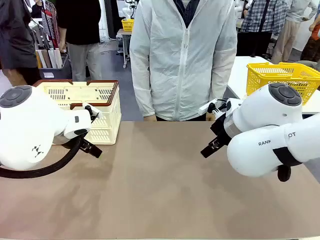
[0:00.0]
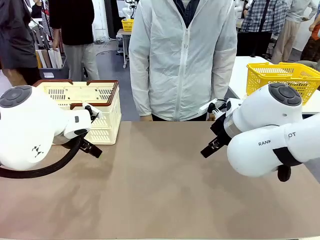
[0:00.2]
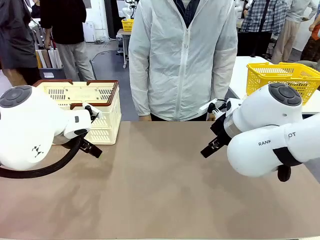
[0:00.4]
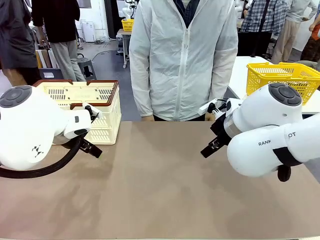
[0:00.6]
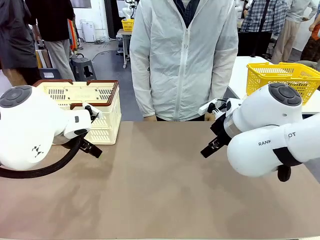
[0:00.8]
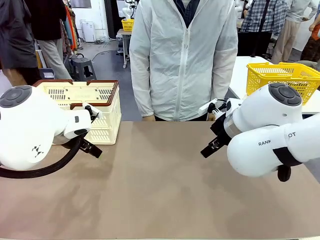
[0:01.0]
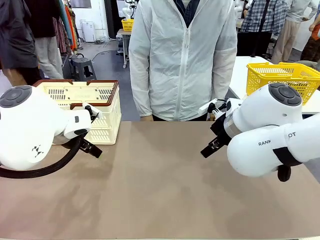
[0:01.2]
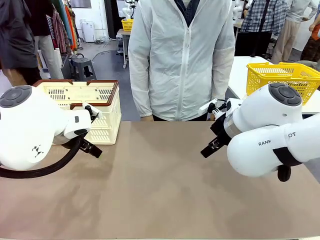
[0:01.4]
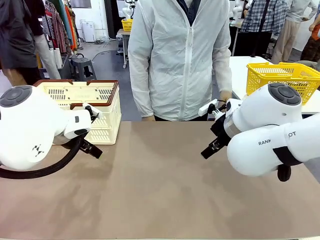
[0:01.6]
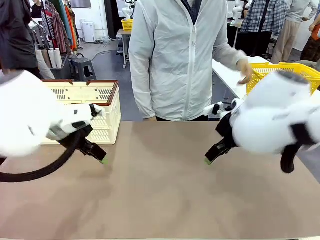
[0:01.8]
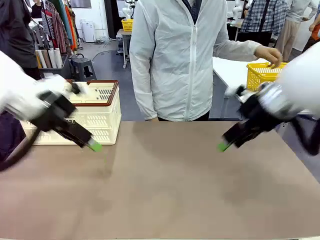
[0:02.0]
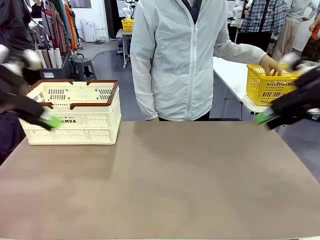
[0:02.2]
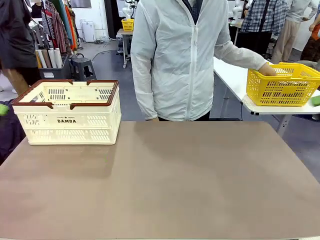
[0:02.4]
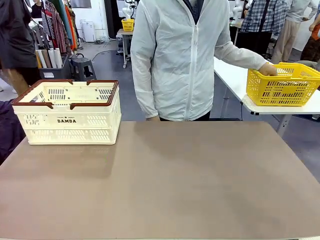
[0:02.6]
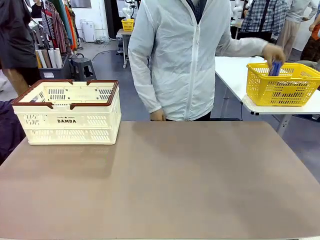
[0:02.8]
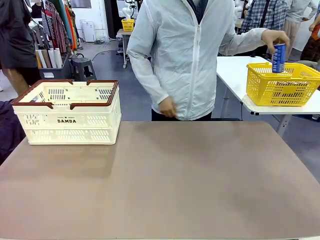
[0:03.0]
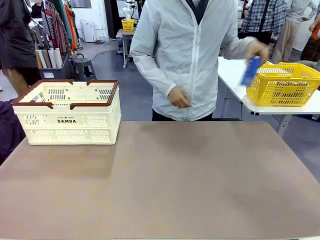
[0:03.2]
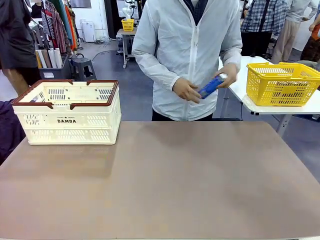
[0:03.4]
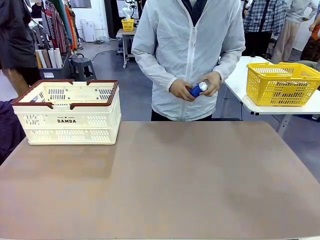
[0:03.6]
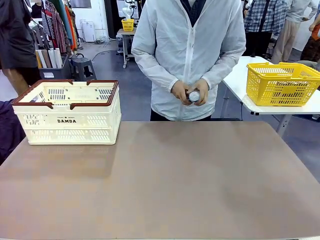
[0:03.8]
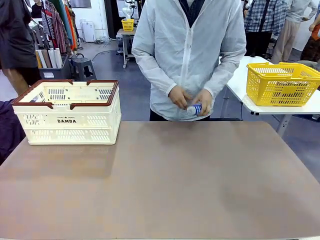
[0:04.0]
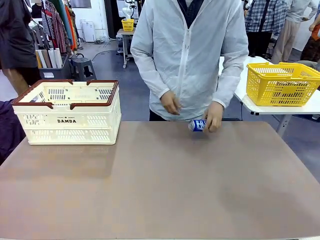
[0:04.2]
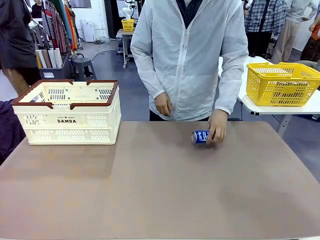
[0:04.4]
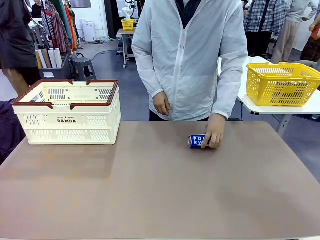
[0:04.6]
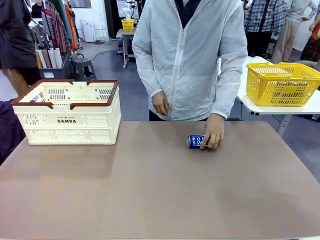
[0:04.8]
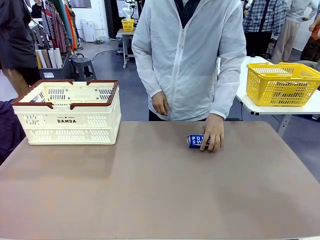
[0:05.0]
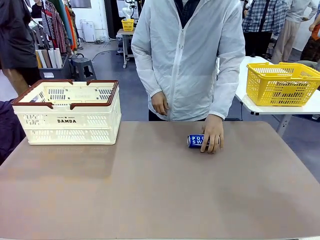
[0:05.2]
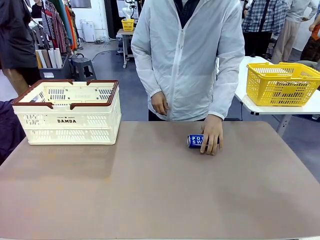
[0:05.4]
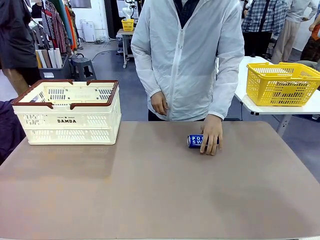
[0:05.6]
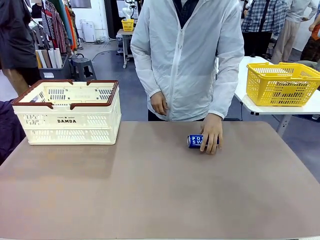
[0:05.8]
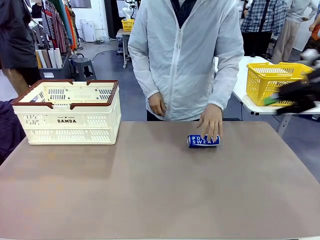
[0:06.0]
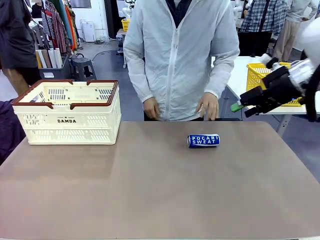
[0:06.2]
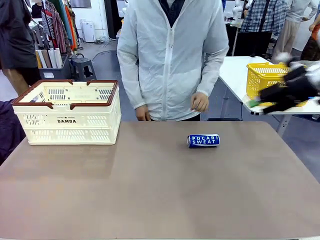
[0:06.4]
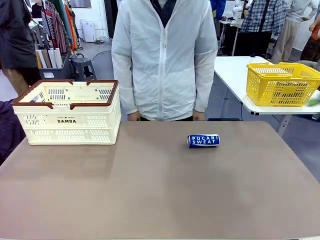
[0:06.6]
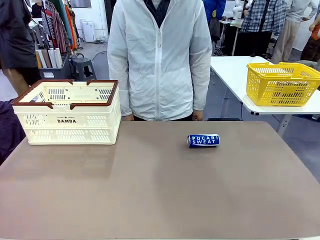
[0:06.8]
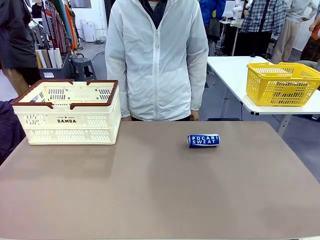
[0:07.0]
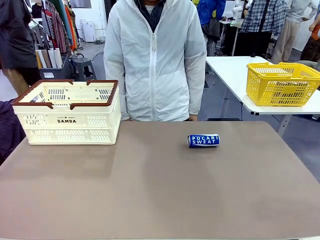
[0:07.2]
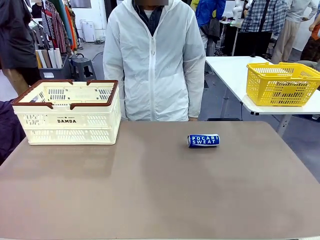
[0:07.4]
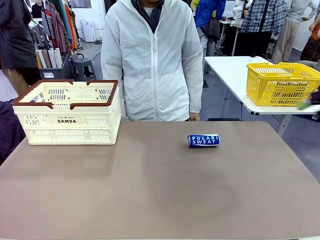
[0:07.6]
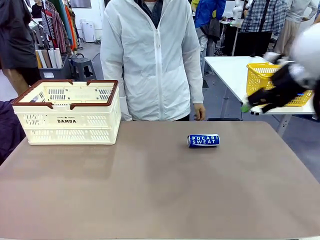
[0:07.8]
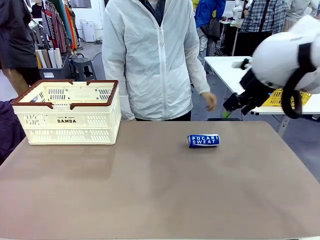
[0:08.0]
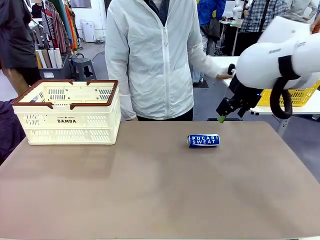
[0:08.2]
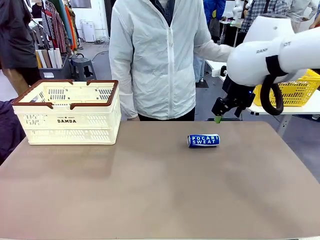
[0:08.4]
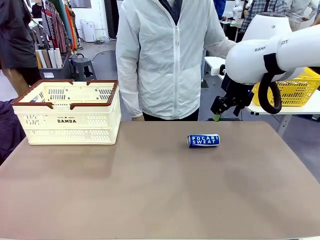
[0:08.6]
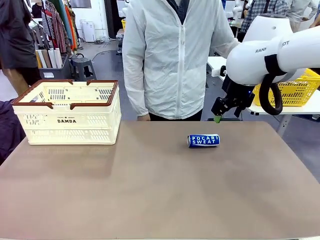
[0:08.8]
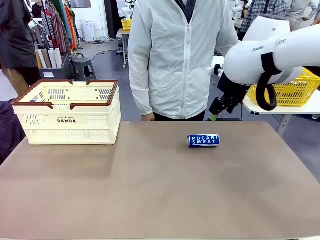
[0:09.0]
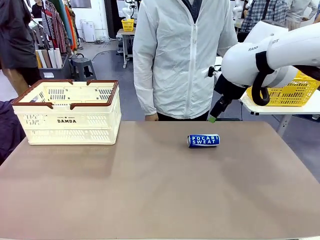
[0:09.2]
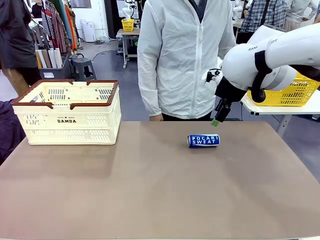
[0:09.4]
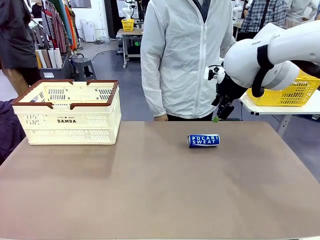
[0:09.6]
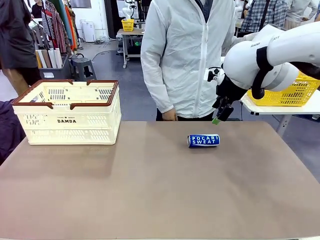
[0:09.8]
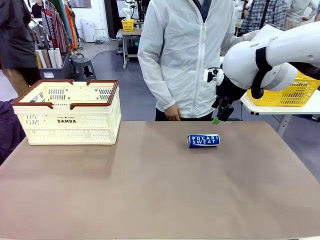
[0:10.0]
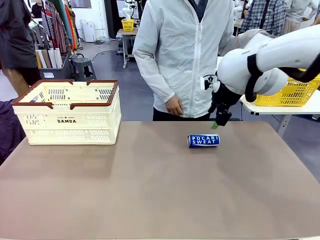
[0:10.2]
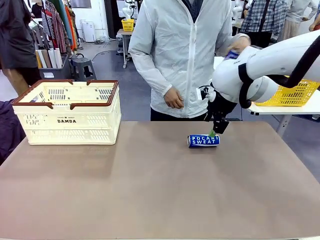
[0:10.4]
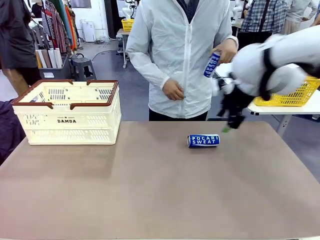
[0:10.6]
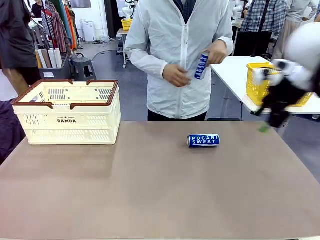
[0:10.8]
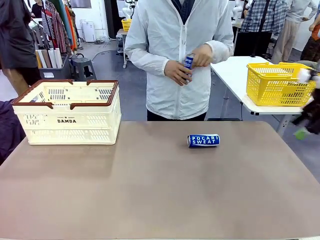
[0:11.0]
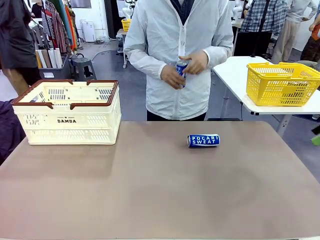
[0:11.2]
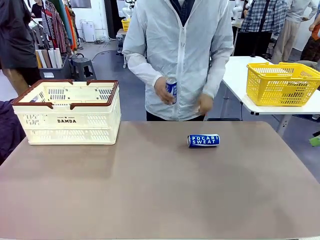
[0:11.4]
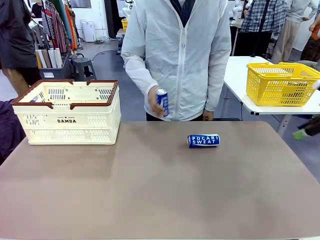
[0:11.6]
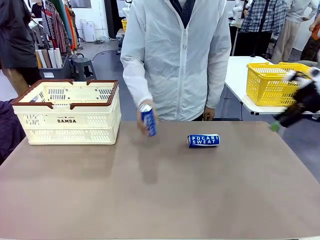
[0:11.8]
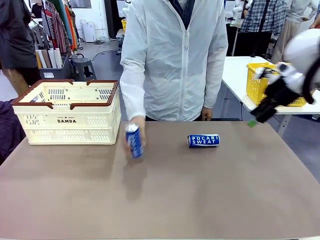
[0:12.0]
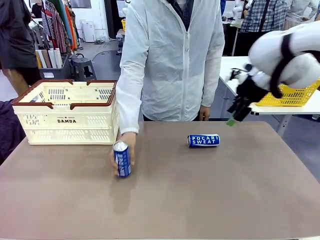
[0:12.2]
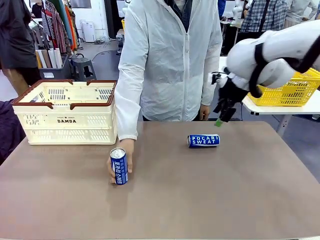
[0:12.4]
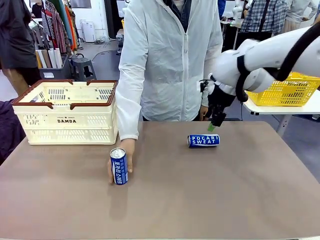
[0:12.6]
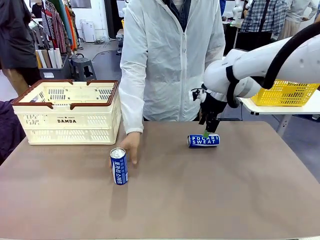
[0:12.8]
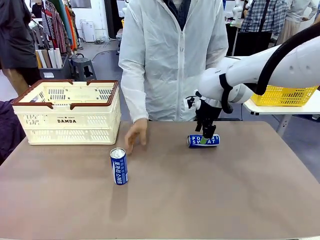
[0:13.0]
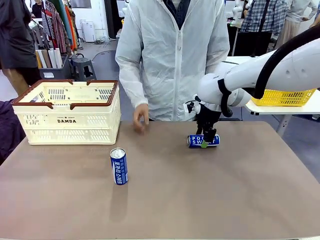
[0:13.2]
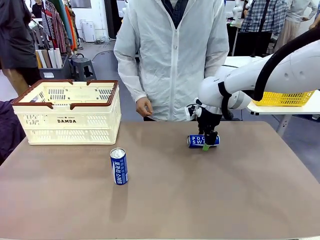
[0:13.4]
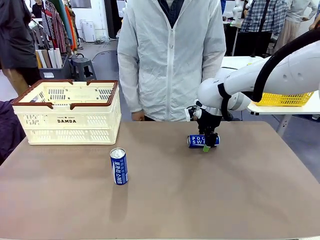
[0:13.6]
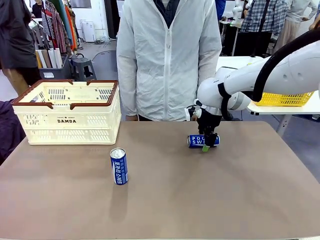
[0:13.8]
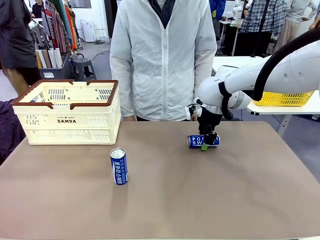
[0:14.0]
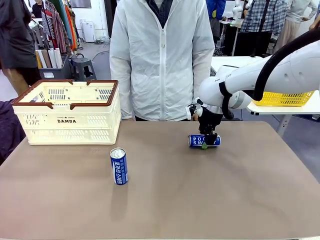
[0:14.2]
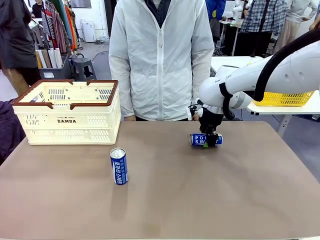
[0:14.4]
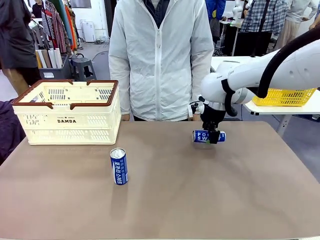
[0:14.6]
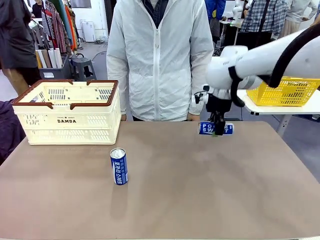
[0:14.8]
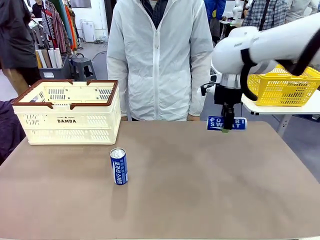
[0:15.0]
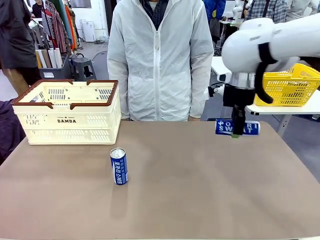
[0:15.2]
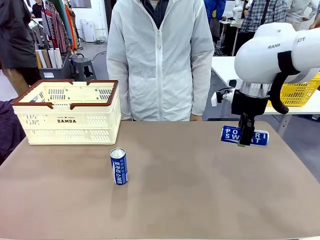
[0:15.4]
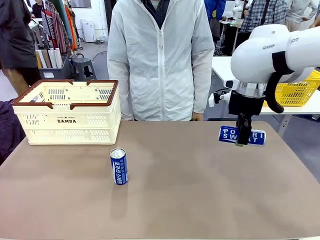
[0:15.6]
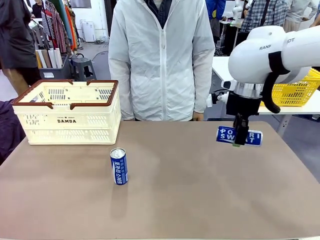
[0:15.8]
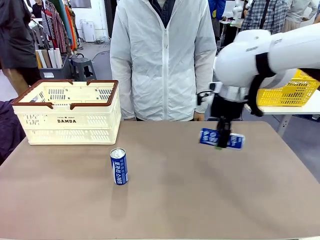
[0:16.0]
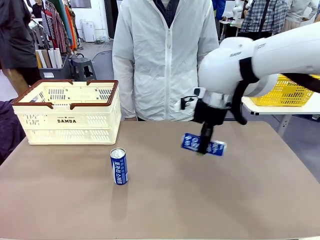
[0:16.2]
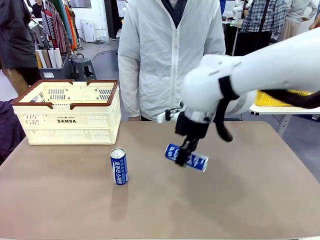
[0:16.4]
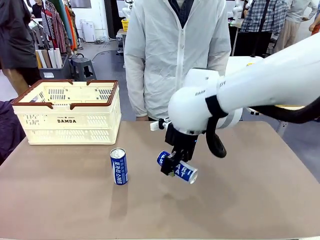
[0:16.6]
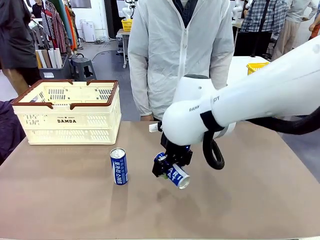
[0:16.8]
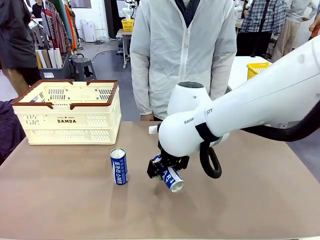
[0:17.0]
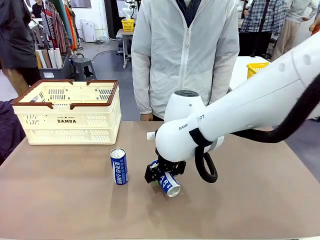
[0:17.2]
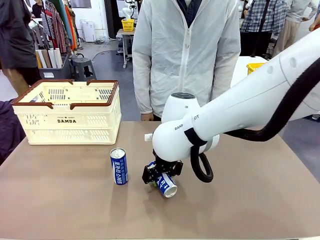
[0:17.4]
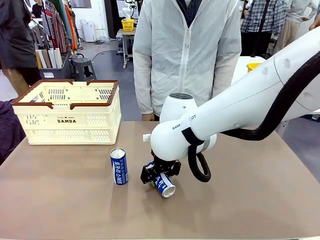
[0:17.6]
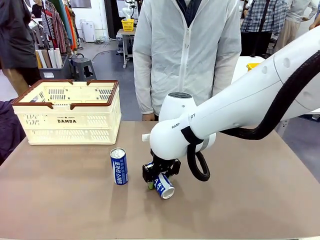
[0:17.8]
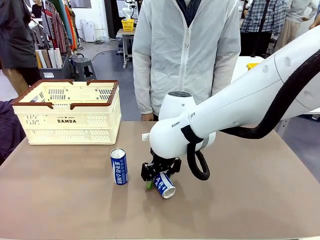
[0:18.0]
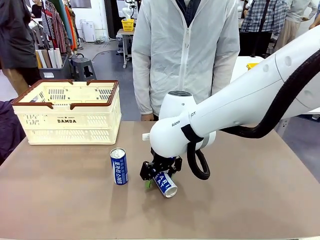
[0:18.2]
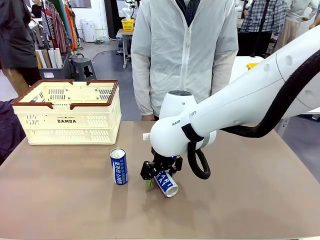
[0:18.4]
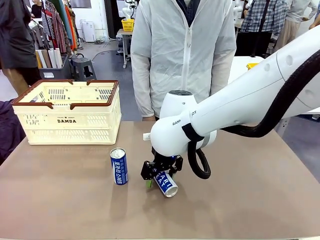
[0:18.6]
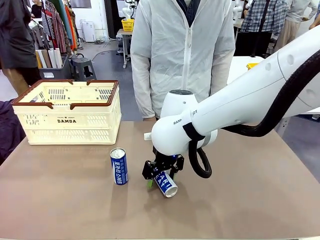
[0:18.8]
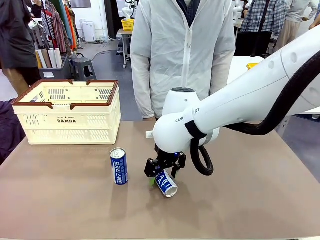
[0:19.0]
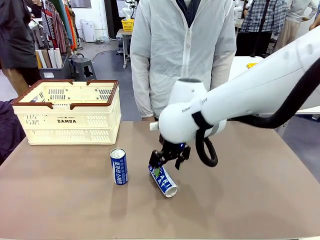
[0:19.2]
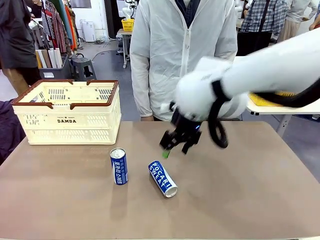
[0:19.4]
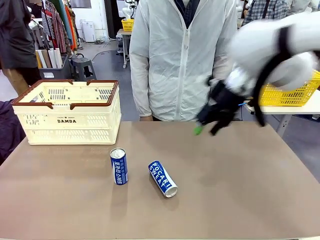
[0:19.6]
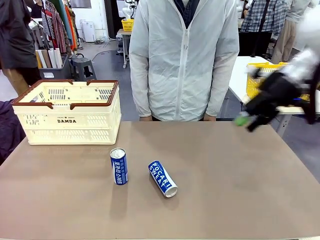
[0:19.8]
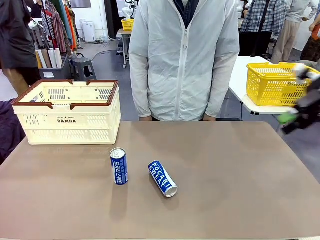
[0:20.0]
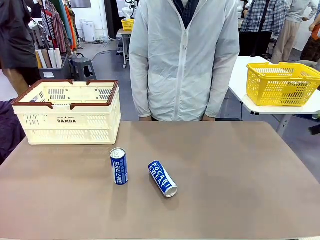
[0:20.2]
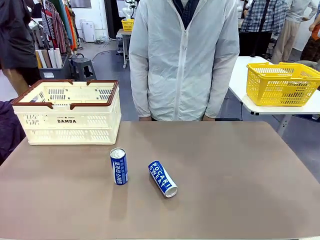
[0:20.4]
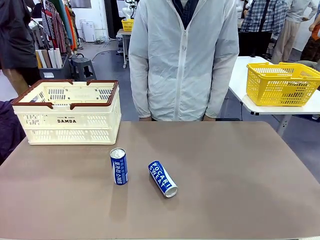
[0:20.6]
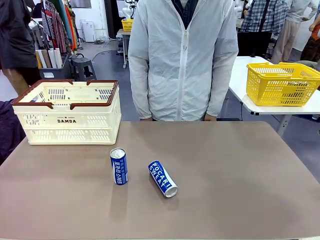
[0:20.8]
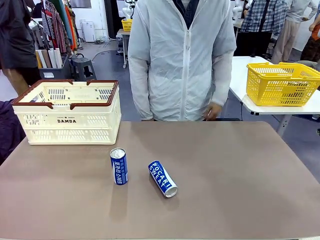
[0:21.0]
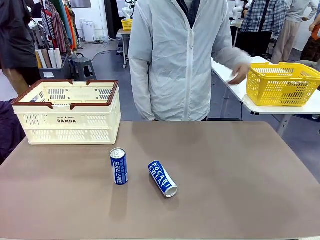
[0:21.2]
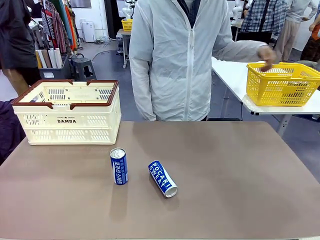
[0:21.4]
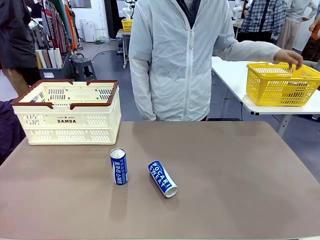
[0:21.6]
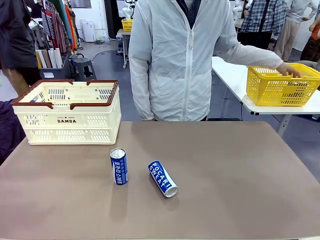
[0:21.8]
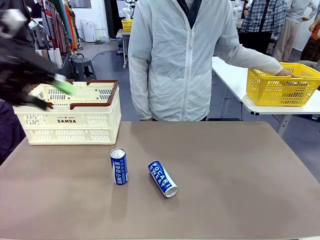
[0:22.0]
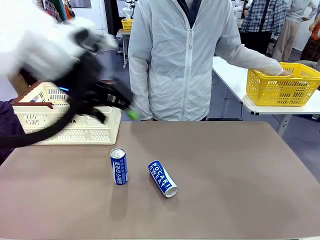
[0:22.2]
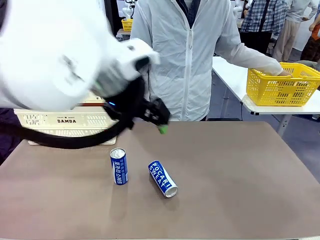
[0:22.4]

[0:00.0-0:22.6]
Task: Place the drinks into the Shopping basket.
Robot: Pick up one drink and place it into the Shopping basket.
